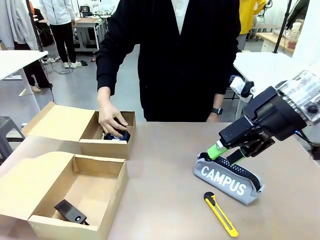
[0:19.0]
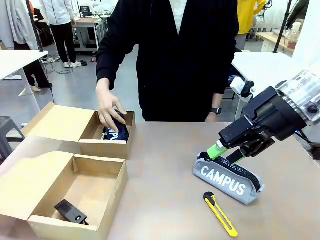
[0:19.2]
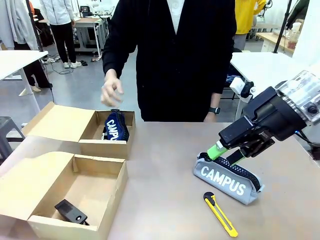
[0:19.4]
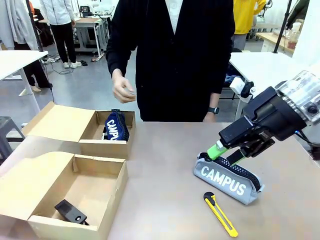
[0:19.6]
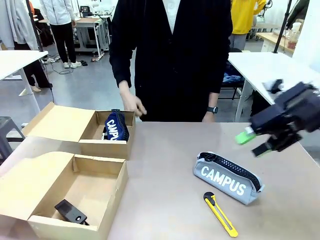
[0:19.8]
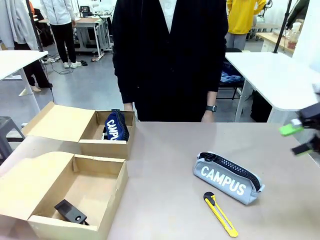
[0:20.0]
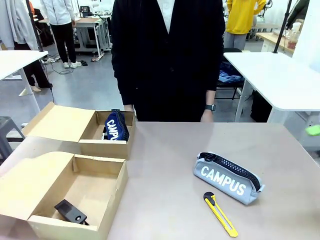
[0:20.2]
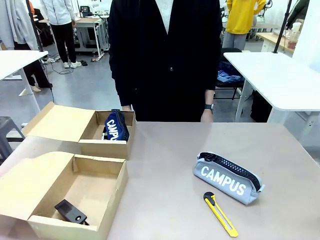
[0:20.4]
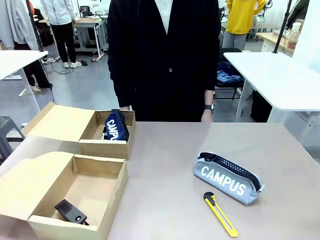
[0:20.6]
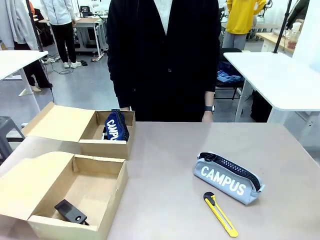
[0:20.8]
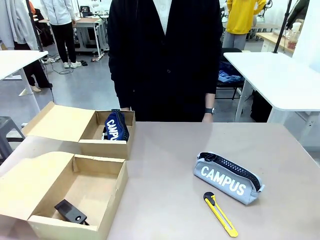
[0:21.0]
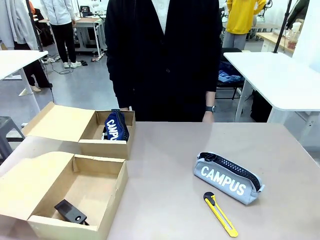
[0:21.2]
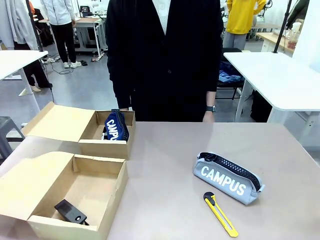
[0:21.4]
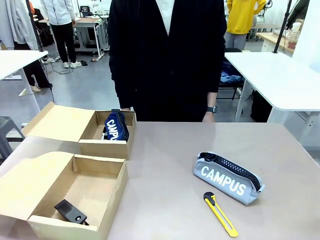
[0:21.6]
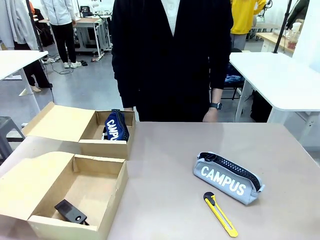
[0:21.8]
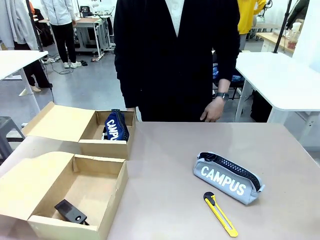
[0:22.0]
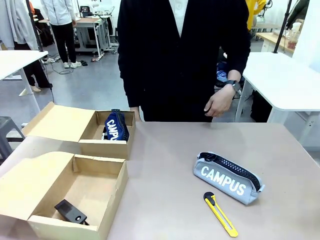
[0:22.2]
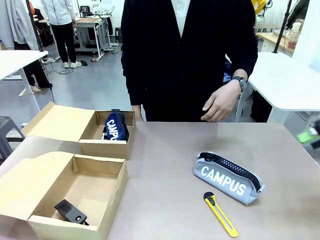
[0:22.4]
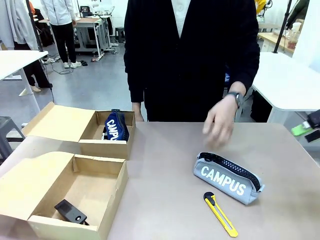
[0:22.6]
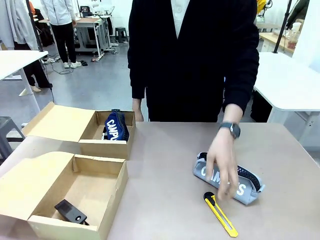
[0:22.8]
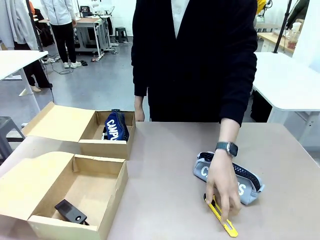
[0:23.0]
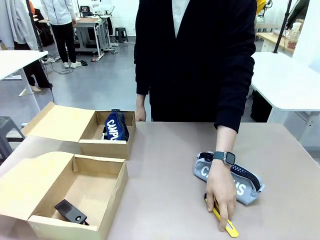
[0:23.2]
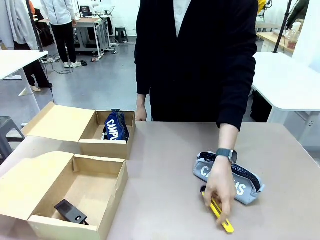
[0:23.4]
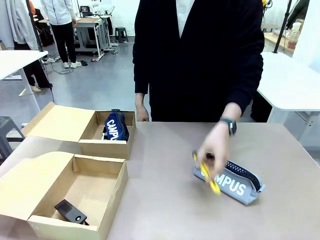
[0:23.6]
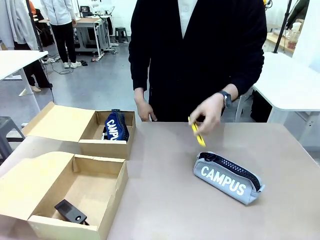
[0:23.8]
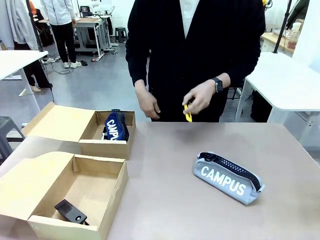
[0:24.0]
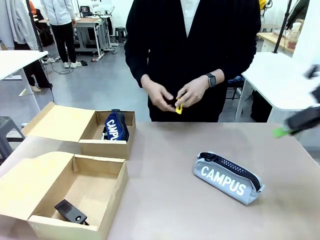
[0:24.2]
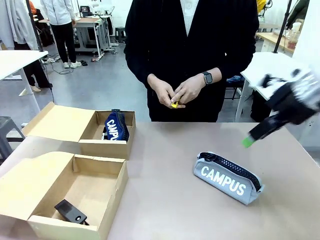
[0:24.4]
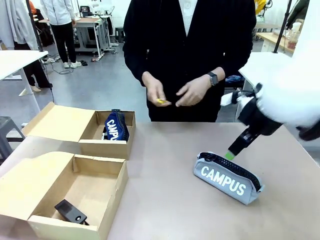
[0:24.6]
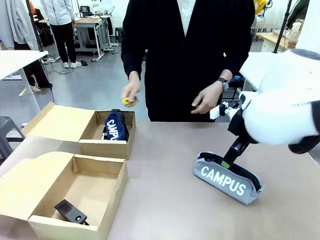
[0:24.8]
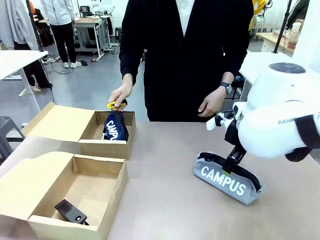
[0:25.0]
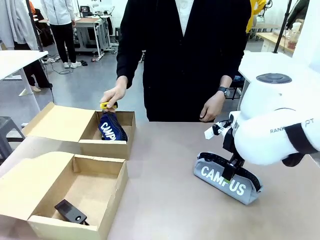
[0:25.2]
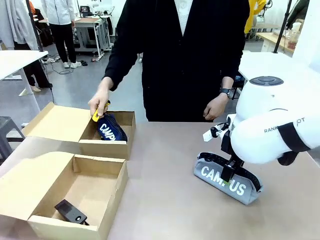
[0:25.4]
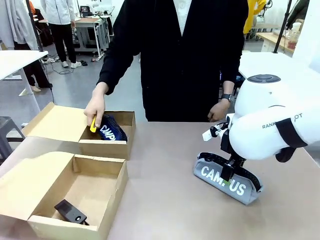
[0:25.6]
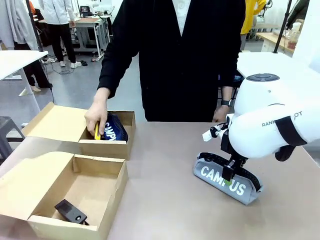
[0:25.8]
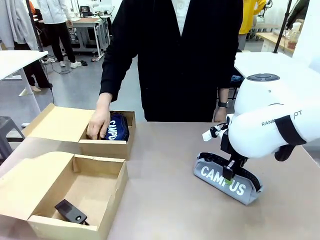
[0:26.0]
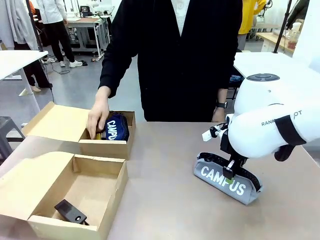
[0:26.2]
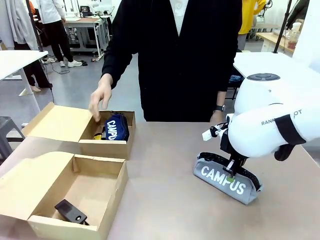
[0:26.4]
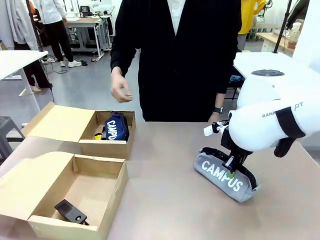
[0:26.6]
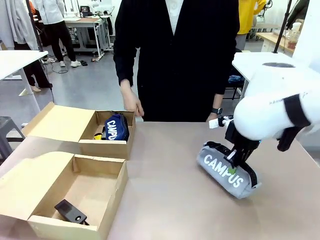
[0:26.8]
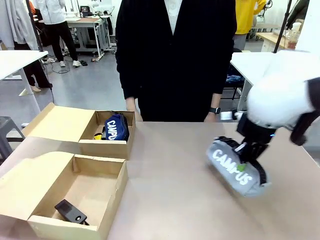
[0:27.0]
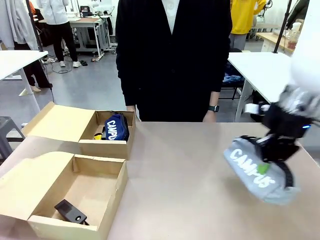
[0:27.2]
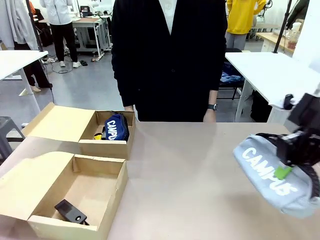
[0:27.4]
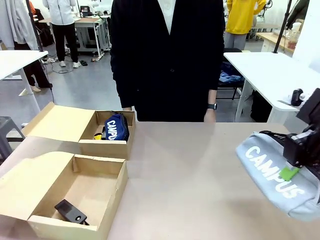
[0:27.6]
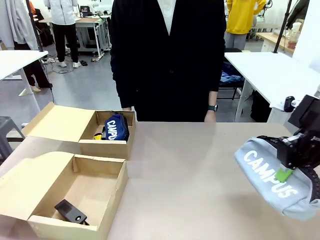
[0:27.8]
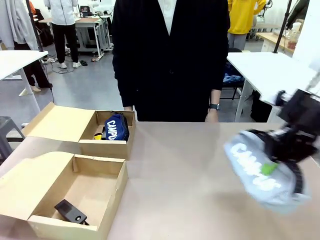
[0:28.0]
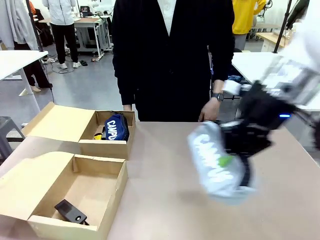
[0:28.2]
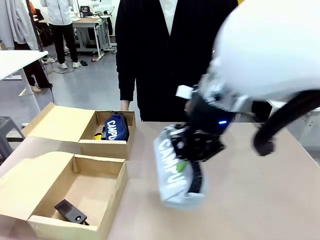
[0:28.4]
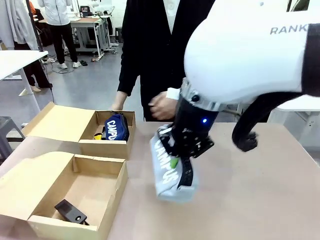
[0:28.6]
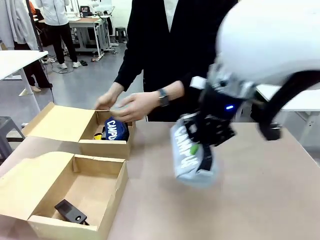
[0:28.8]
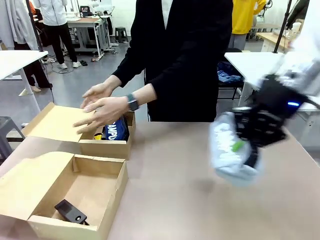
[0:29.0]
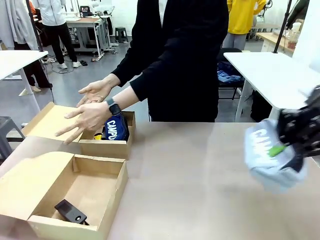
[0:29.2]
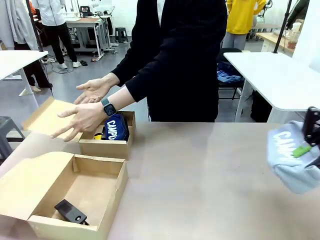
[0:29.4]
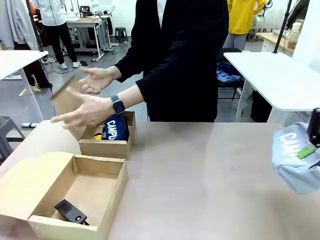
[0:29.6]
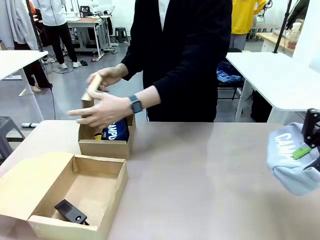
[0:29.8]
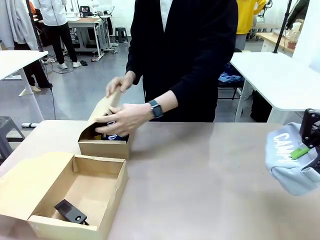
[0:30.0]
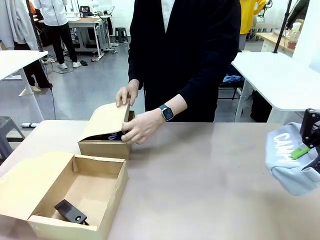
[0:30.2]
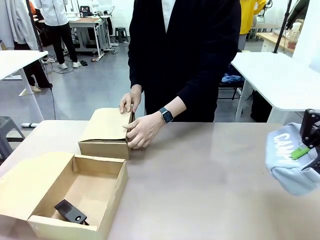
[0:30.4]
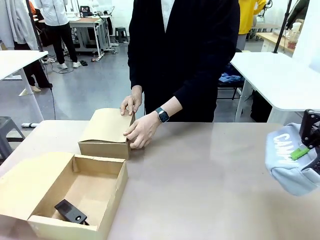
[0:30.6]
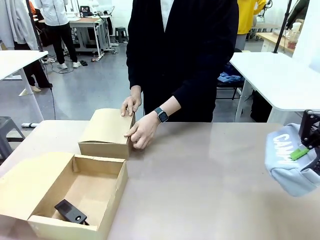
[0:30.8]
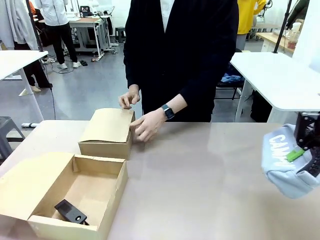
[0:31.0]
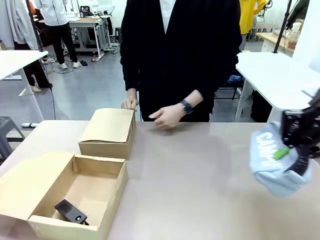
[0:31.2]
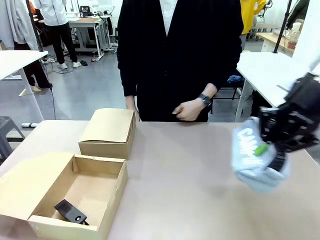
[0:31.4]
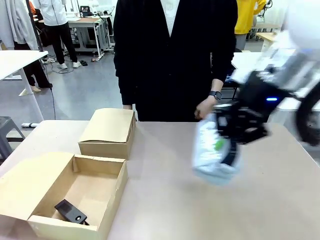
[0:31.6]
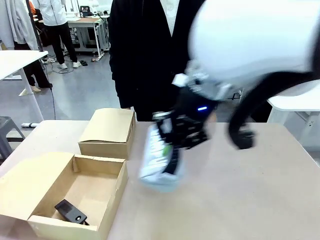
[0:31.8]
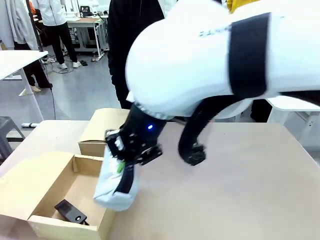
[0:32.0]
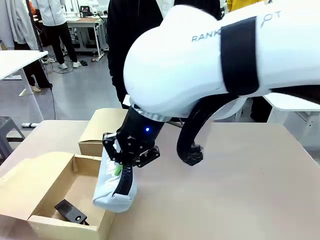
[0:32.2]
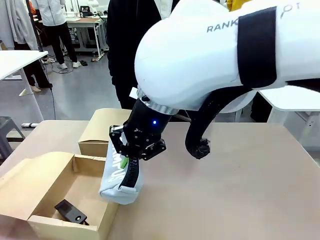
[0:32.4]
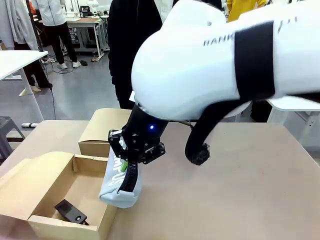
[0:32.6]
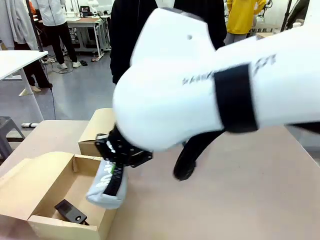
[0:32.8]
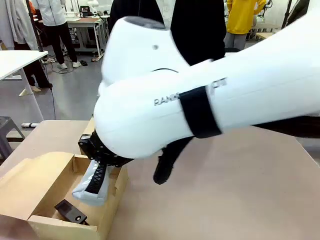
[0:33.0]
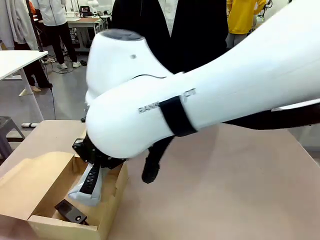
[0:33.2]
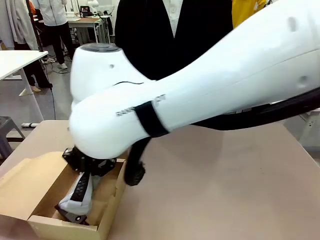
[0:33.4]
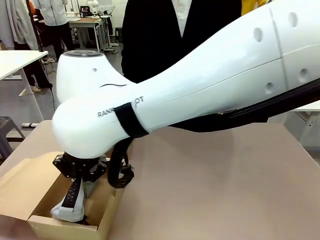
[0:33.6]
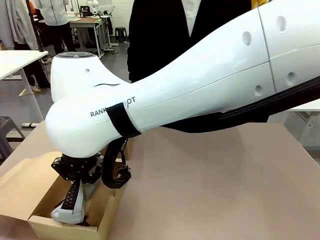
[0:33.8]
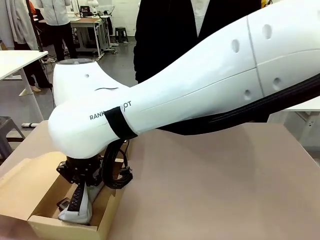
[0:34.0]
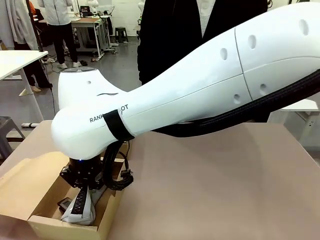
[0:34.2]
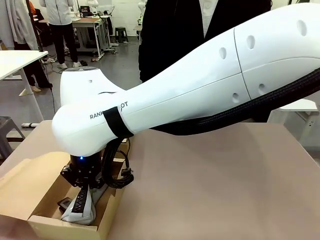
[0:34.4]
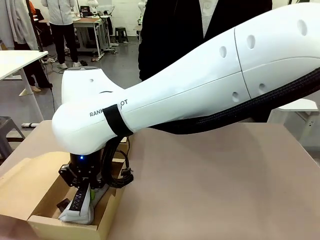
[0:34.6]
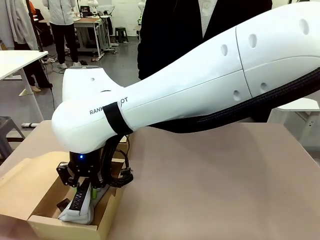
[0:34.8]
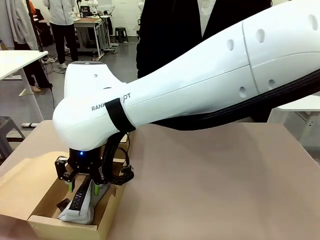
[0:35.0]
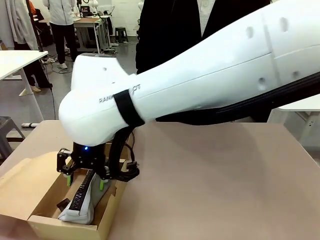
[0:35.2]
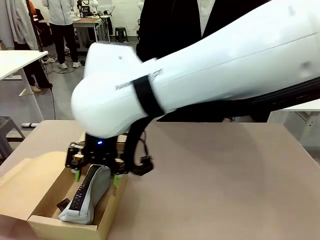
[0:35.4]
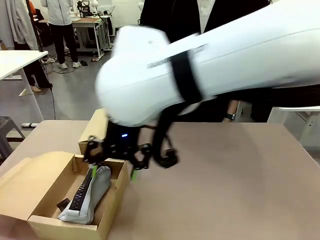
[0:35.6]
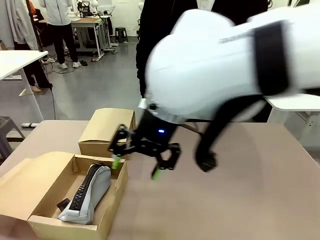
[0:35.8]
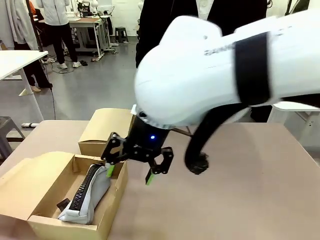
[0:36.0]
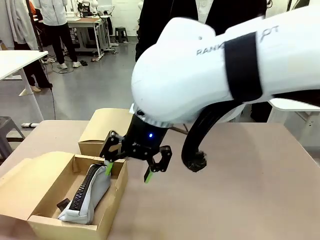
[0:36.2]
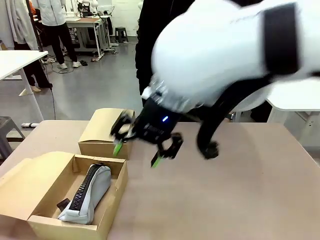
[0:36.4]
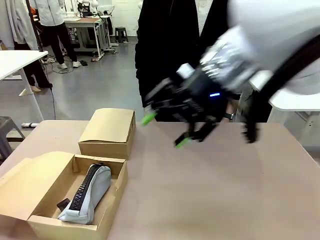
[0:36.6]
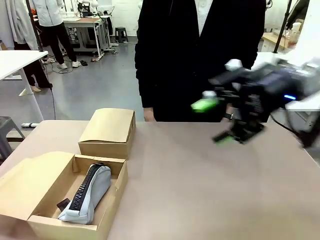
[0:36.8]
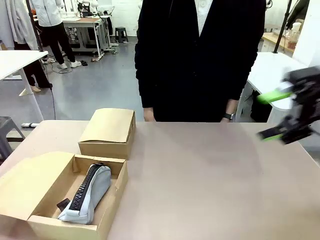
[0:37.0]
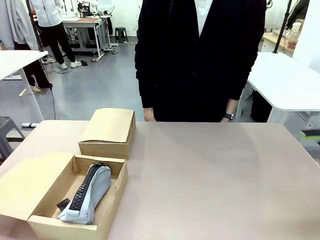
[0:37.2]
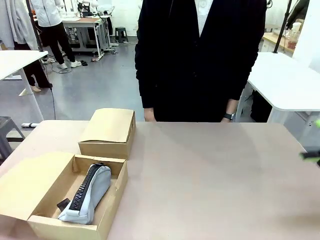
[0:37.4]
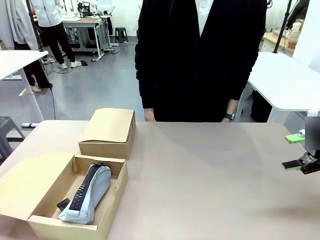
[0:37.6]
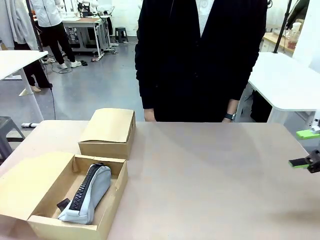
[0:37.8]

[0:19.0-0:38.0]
Task: Place items inside the box.
Robot: Pick up a Pencil pouch or Stapler and place it inside the Mailer Box closest to the robot.
Person: Close the lid of the box facing the person.
